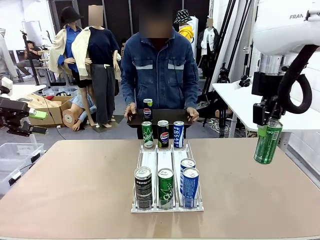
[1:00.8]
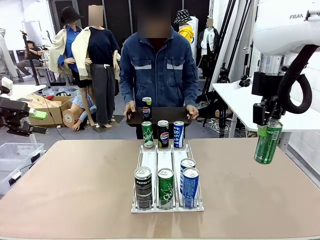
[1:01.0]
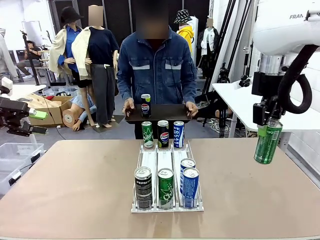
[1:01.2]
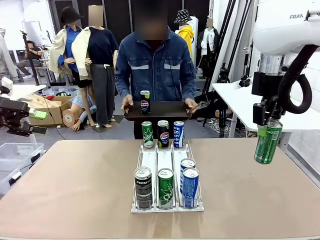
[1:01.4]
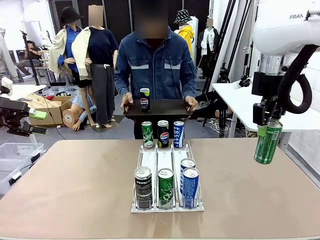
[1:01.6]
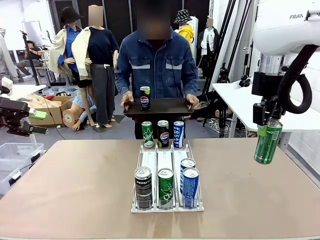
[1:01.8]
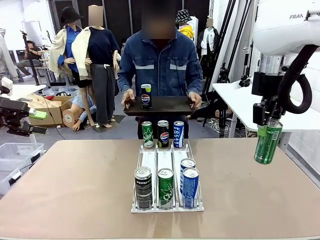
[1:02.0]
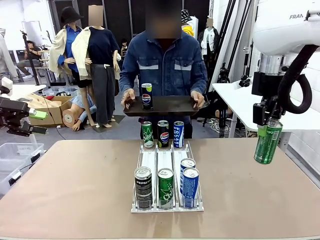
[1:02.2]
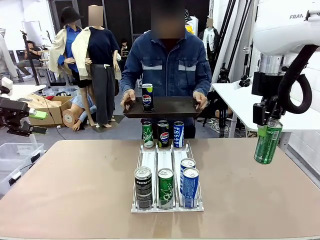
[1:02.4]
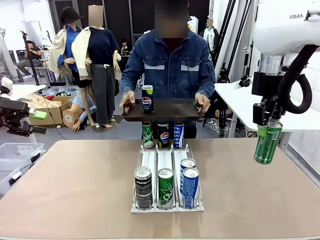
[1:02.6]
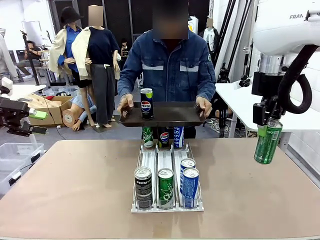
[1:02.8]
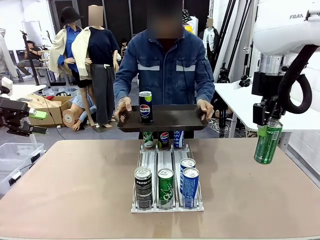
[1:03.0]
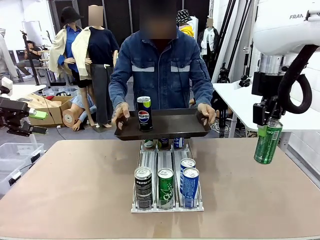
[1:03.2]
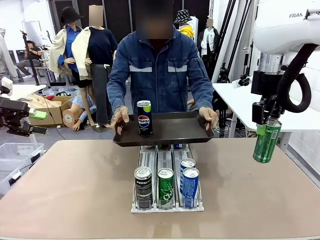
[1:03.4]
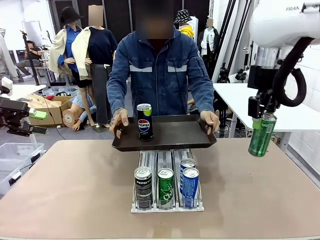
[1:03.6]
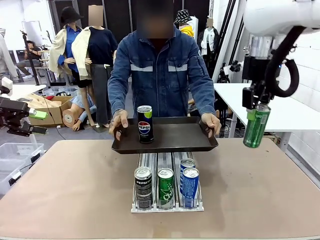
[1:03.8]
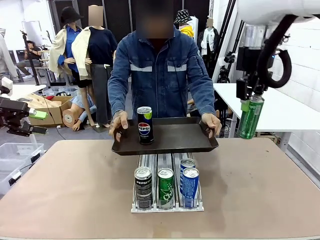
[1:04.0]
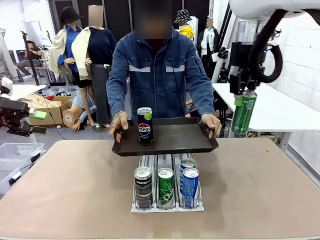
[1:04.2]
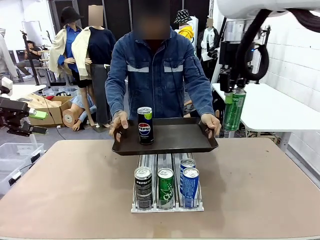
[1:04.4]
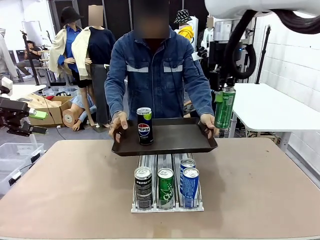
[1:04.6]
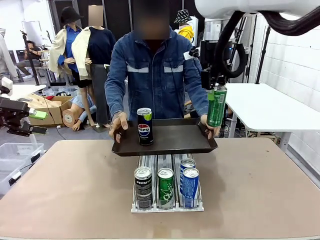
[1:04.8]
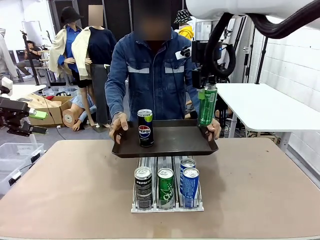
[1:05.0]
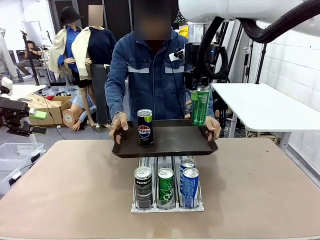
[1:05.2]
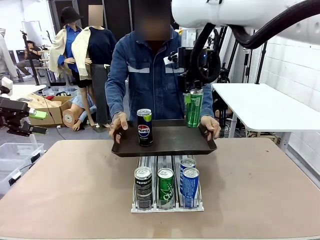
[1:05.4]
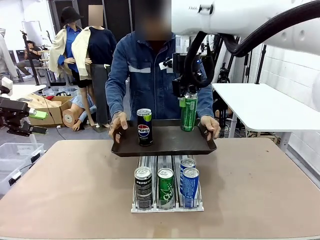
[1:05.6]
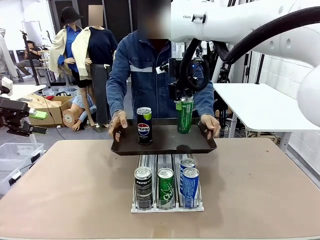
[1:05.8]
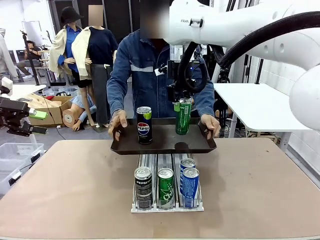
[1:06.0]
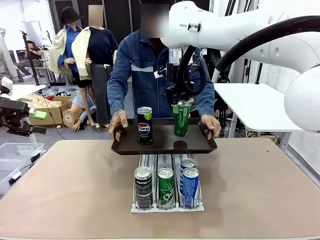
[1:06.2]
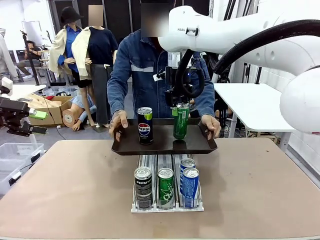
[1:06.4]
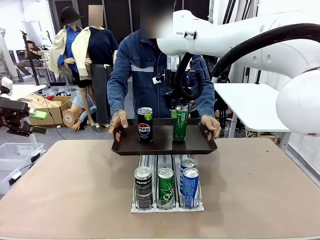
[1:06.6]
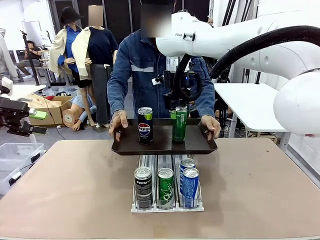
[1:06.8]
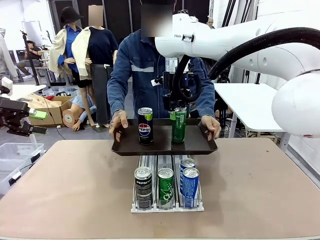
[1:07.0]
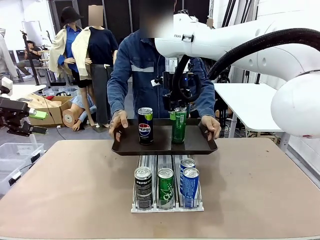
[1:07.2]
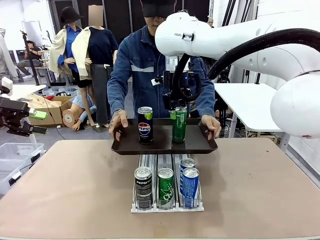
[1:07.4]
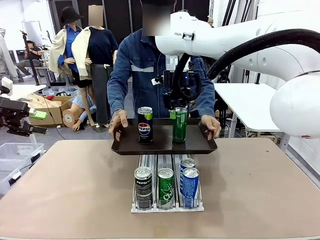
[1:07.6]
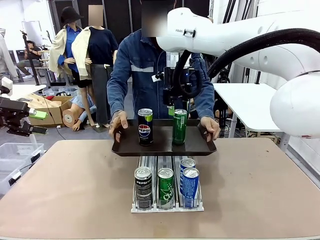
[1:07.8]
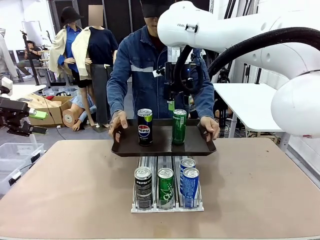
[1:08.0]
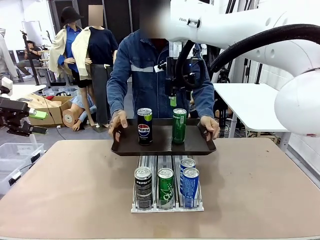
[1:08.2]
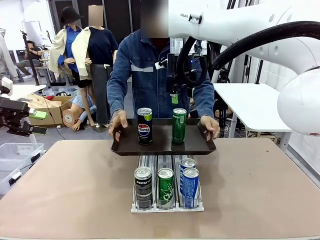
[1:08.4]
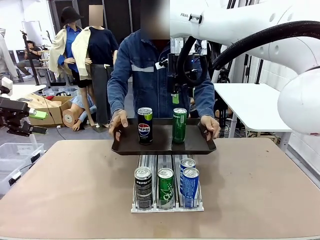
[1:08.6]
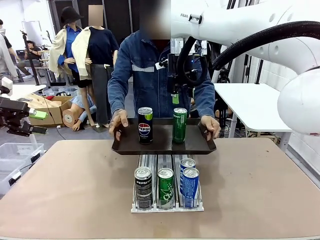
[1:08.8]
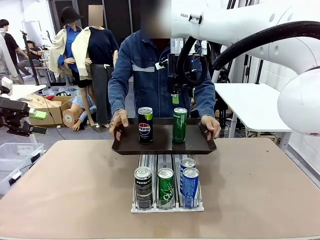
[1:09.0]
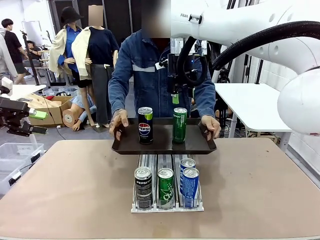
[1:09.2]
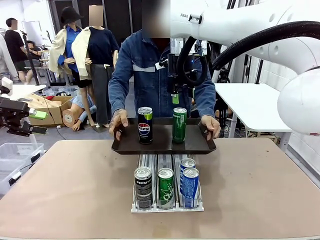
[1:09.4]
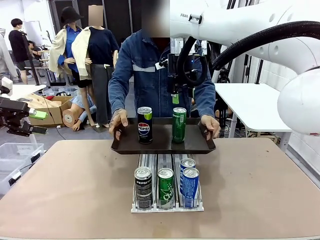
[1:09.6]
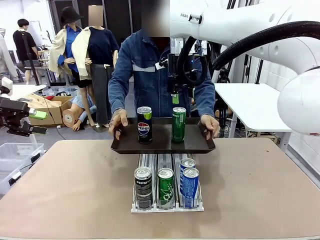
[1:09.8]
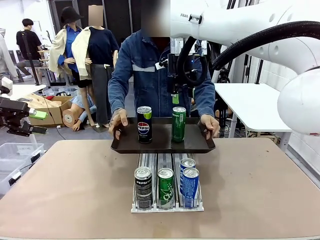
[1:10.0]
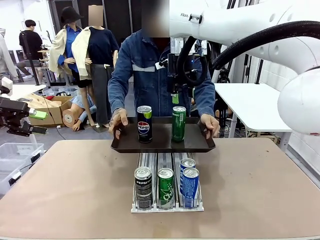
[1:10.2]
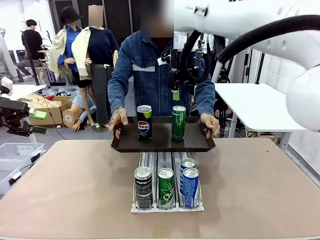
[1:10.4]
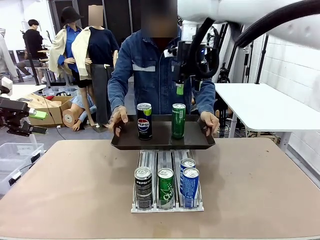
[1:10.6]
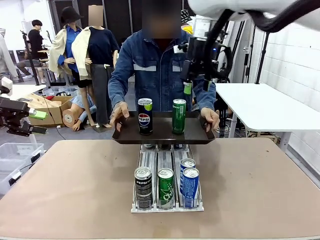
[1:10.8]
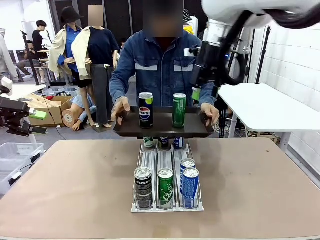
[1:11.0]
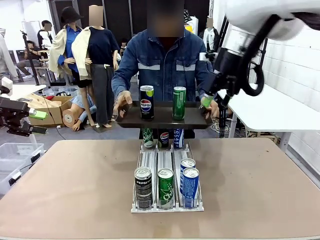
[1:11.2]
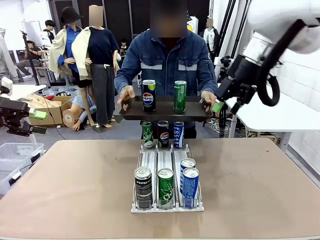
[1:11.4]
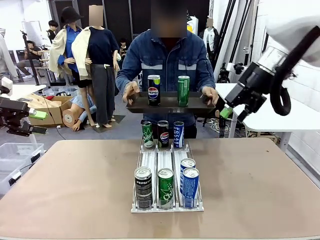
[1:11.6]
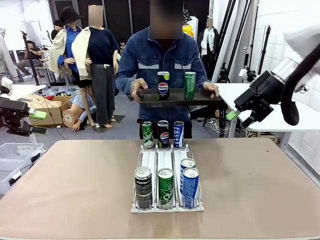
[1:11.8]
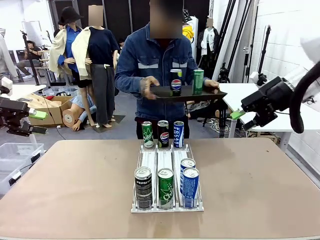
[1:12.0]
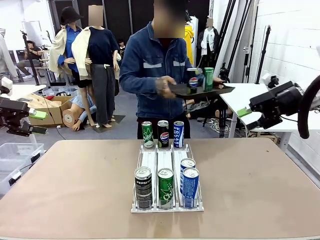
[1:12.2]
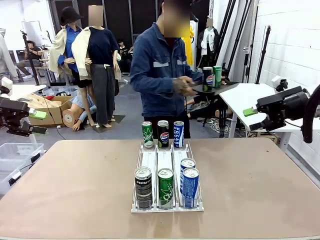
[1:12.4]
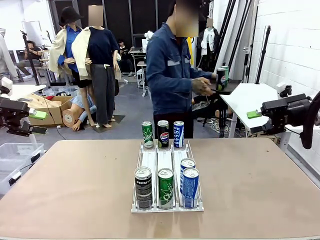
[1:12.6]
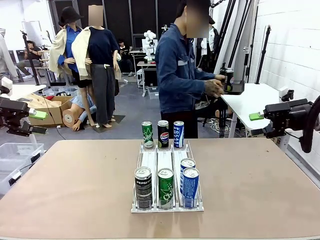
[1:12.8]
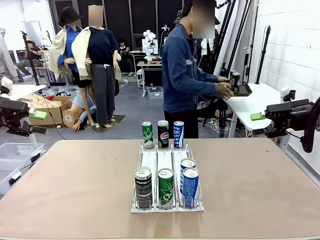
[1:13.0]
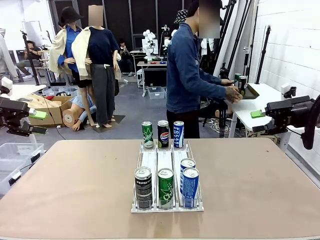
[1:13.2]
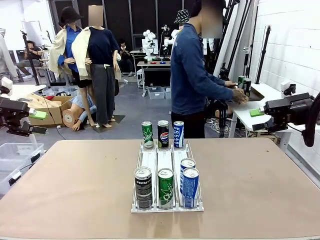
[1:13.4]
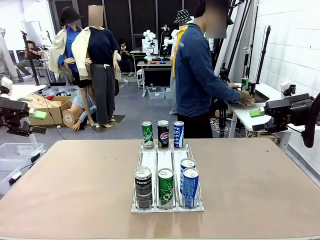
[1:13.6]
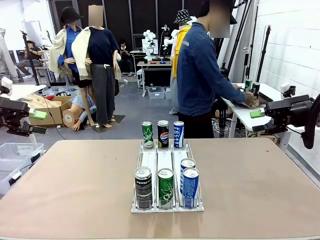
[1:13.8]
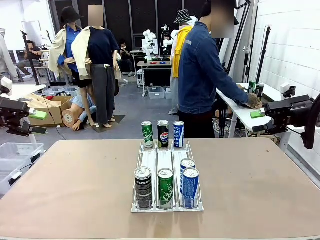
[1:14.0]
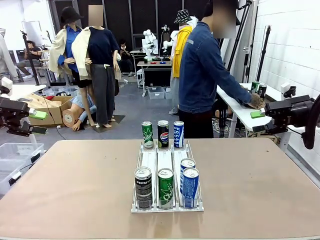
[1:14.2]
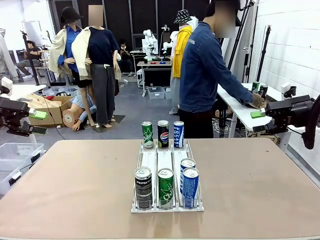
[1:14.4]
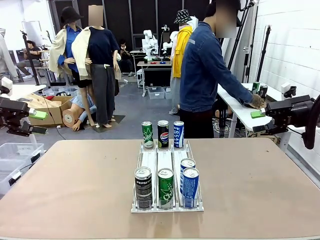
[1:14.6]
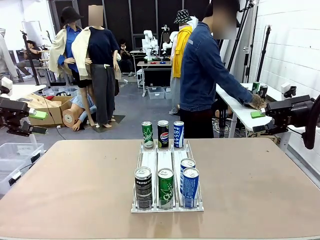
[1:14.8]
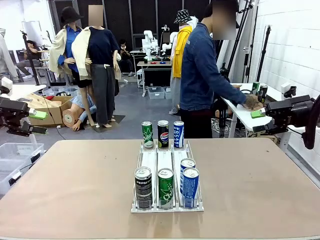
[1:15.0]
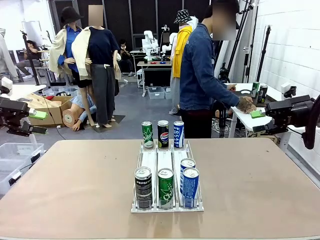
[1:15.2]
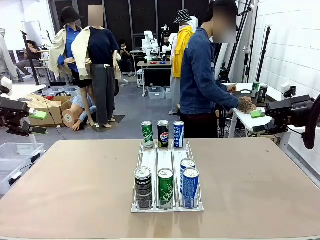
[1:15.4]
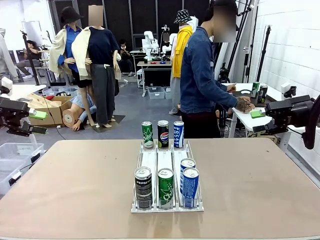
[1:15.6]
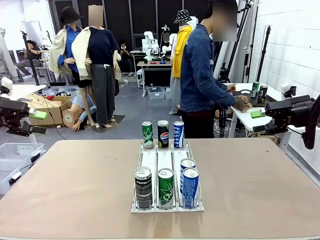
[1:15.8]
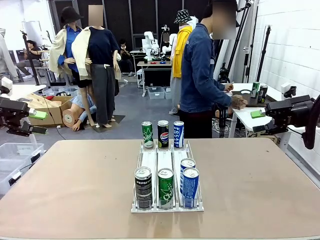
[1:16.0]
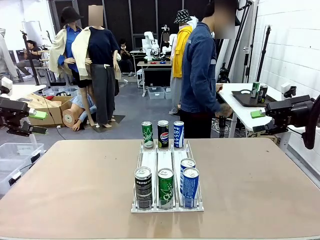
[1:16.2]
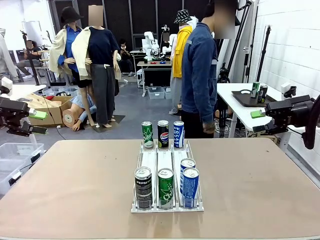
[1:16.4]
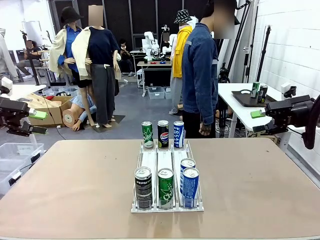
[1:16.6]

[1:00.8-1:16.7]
Task: Retrieve and hand over the desired beverage to the person.
Robot: Place the picked can on the Handle tray extended by the person.
Person: Pull the tray back and place it at the center of the human table.
